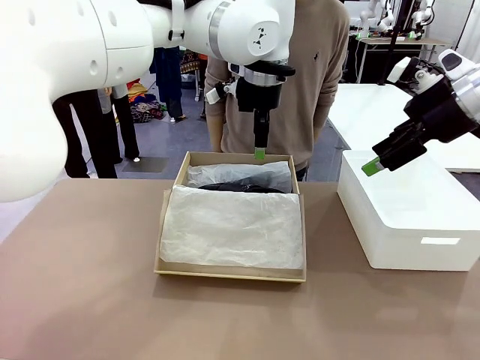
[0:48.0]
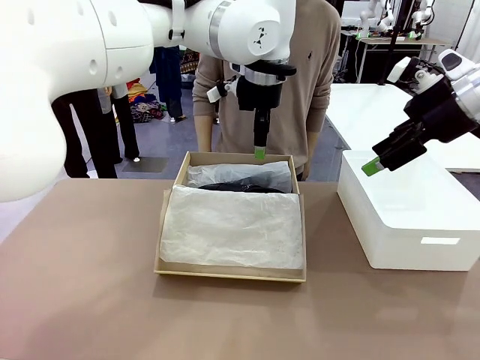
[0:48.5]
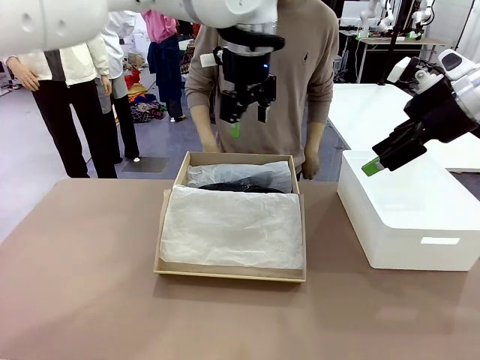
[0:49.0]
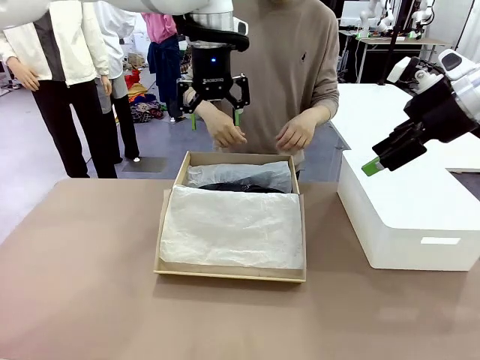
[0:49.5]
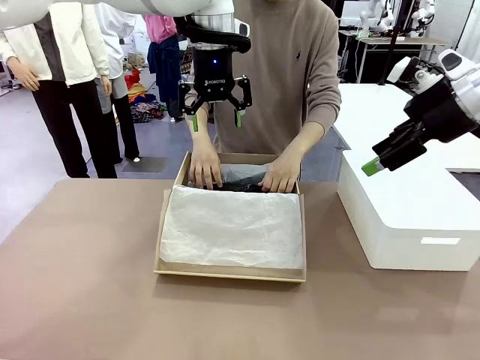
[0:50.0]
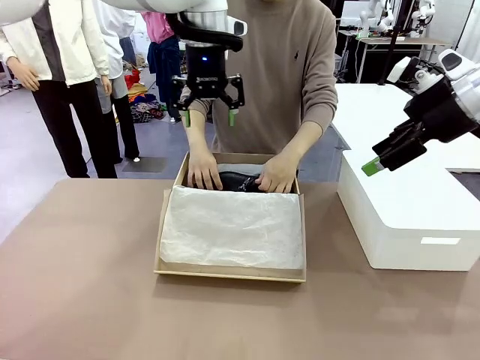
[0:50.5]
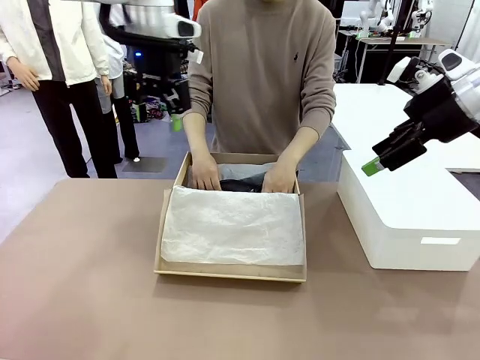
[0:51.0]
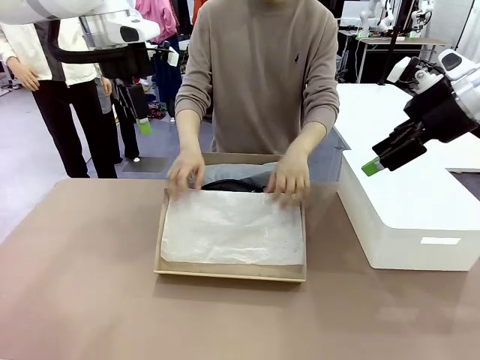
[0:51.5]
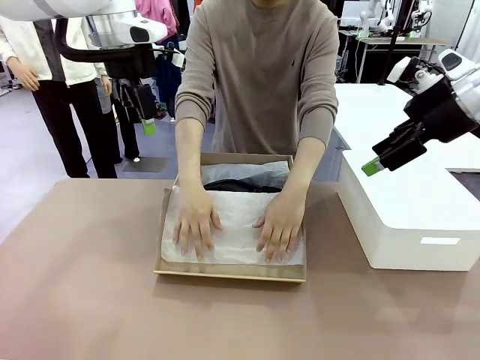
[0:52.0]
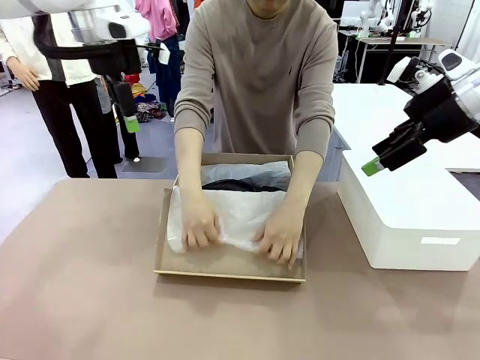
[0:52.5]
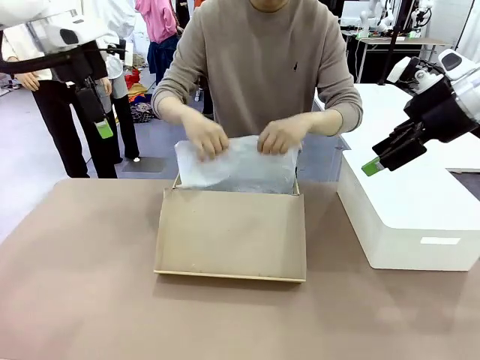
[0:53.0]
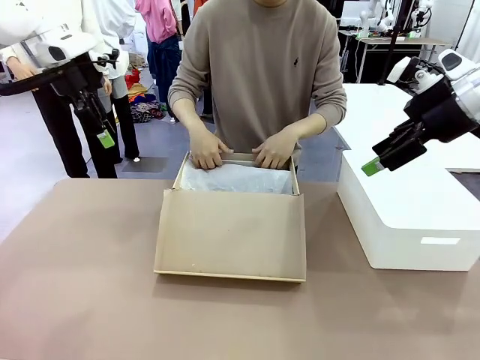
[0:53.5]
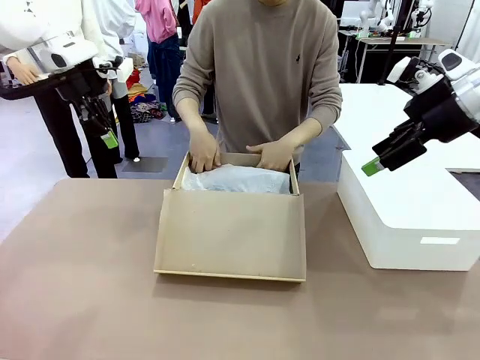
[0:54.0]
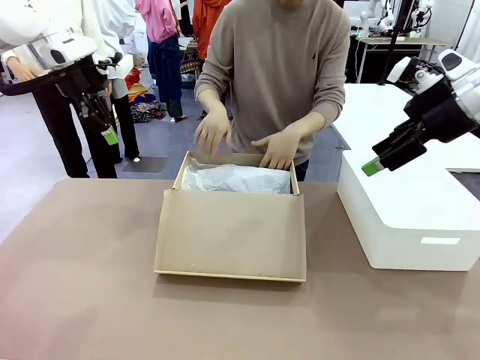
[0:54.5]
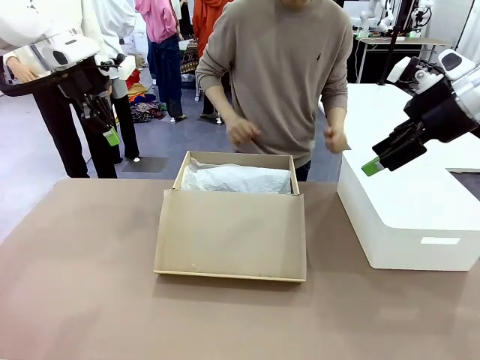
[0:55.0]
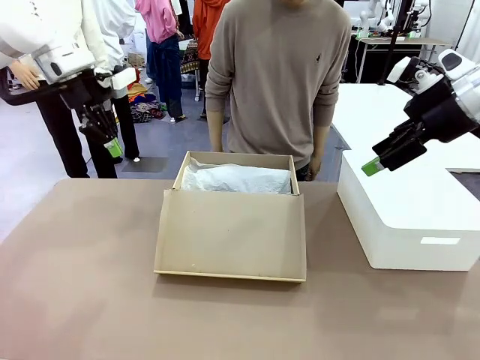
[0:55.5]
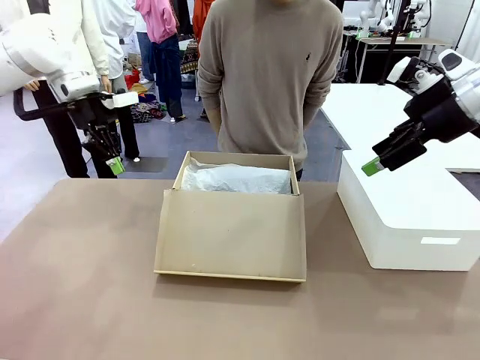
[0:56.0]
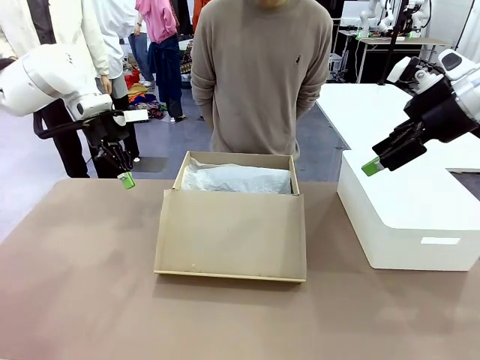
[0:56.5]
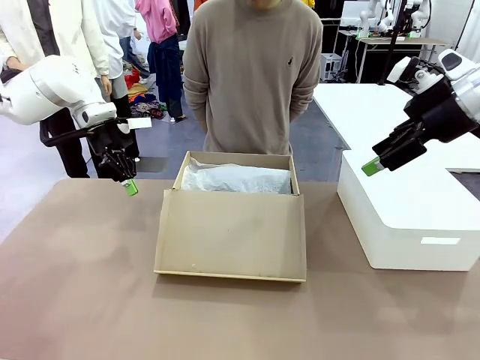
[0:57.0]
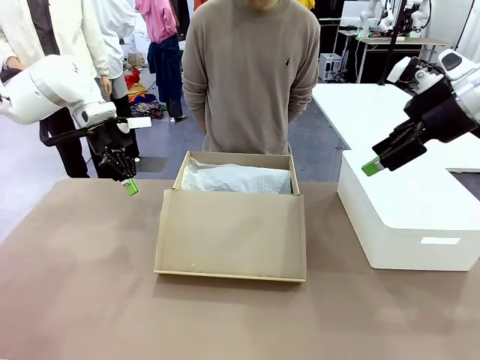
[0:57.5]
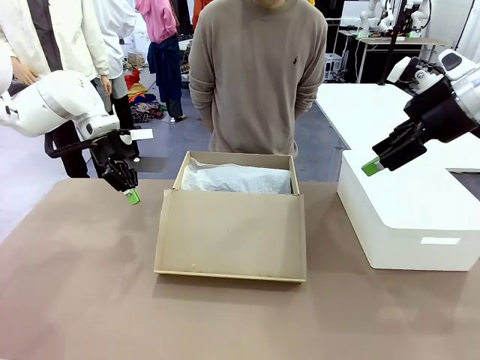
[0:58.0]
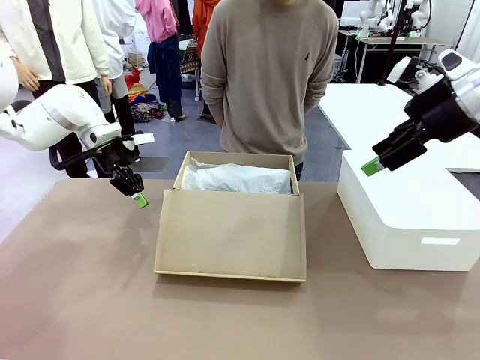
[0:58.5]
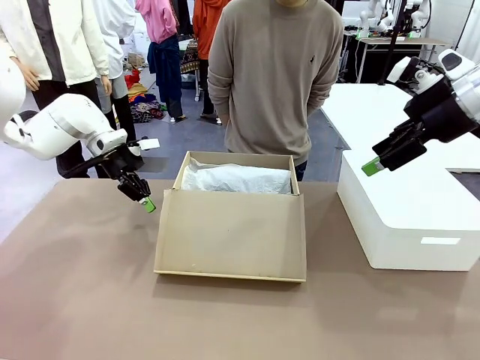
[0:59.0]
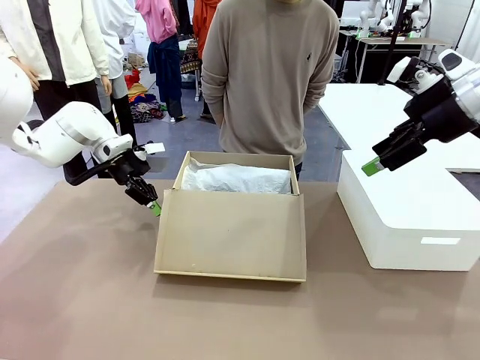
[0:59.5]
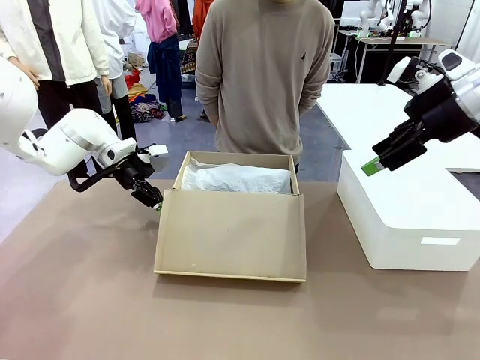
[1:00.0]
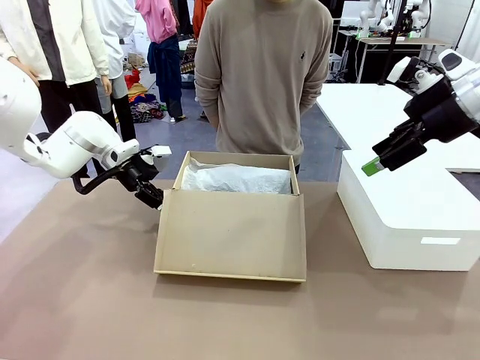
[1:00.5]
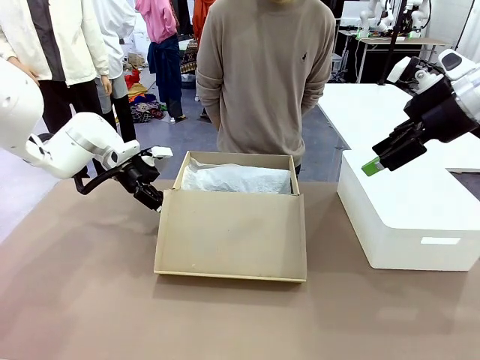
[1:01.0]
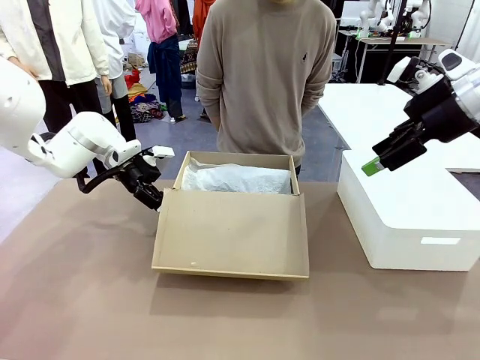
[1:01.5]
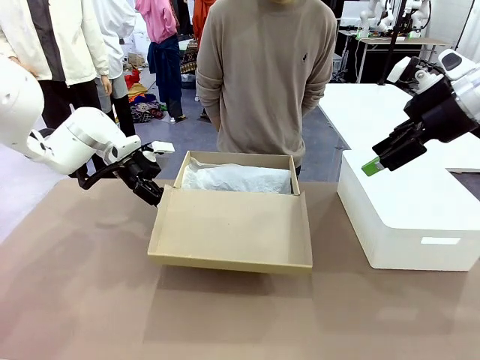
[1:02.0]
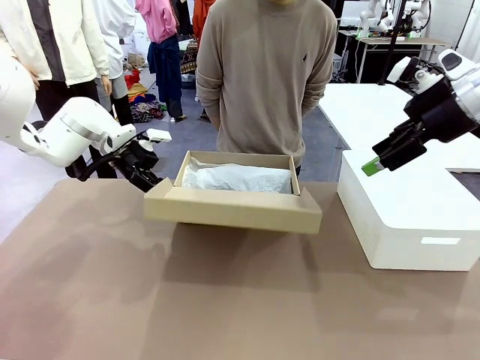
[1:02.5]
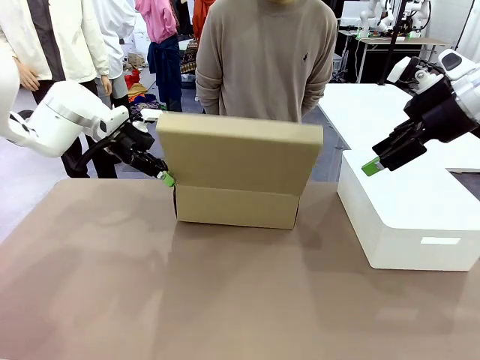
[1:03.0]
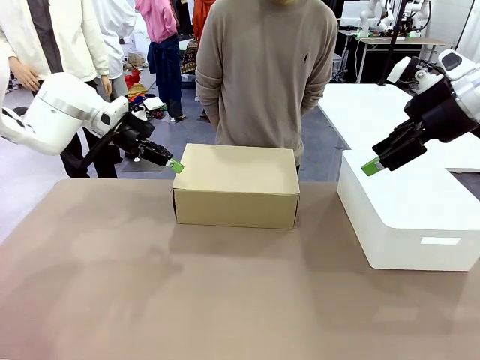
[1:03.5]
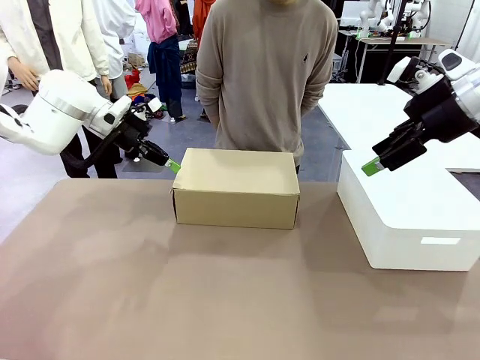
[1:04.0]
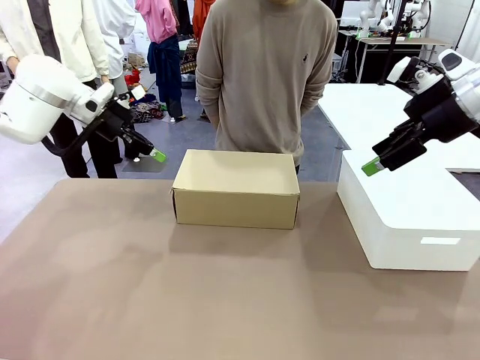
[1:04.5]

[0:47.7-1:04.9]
Task: Pack the shoes into the box.
Robot: Close the Shoes Box.

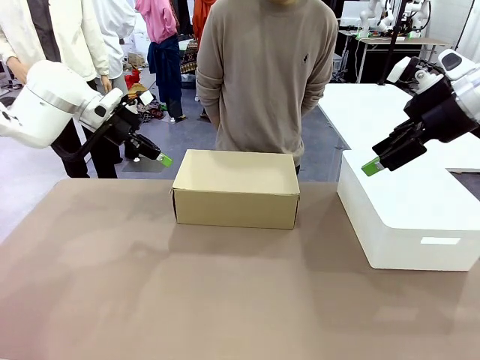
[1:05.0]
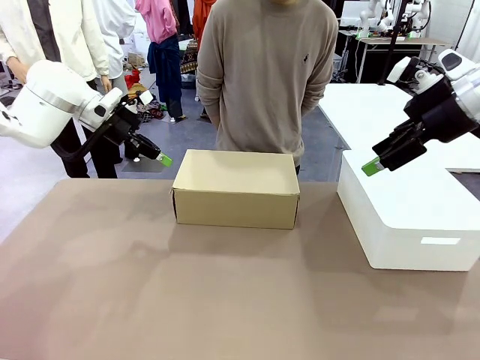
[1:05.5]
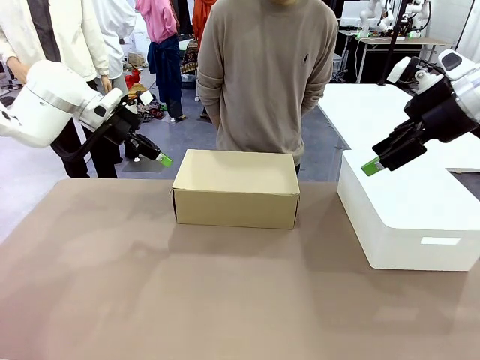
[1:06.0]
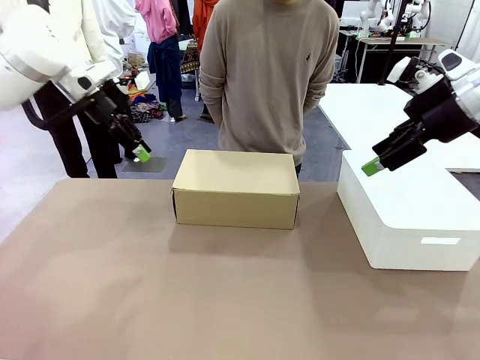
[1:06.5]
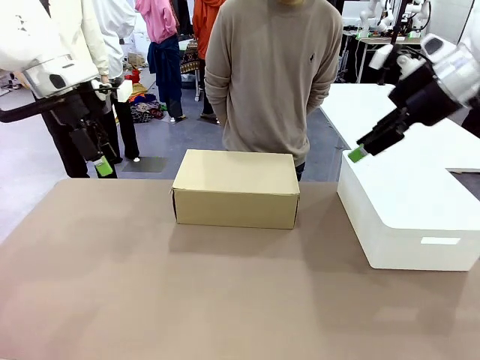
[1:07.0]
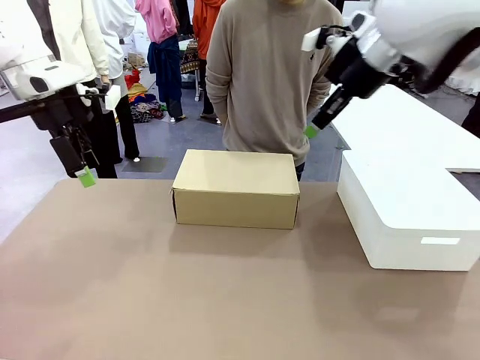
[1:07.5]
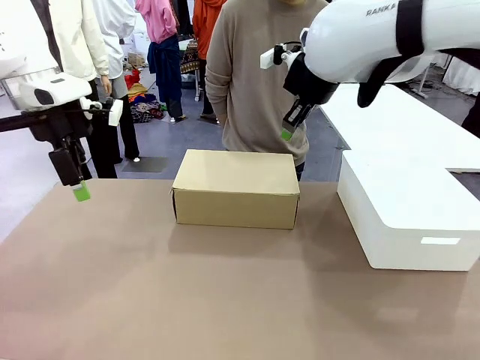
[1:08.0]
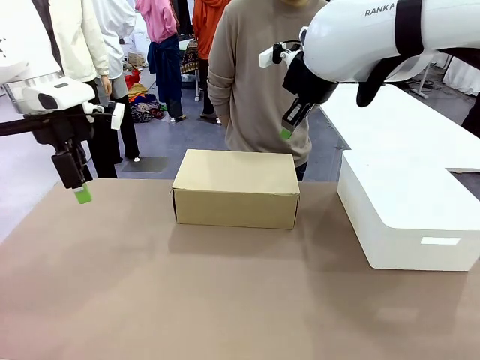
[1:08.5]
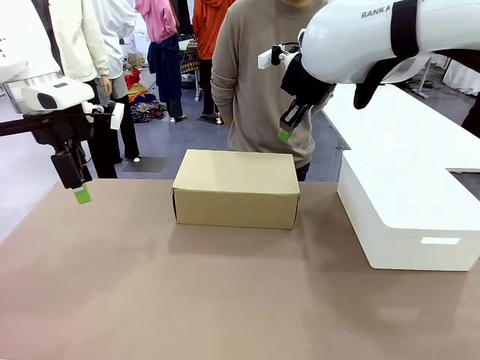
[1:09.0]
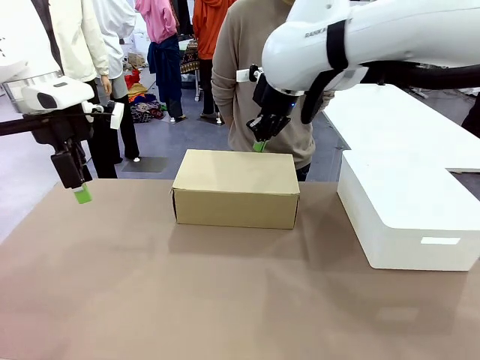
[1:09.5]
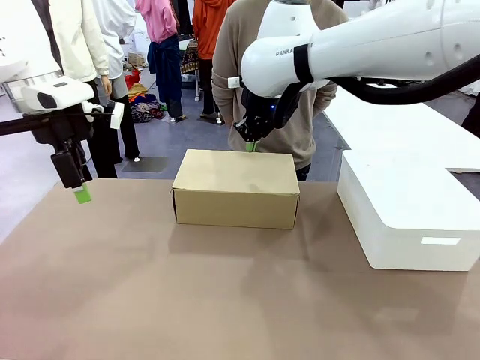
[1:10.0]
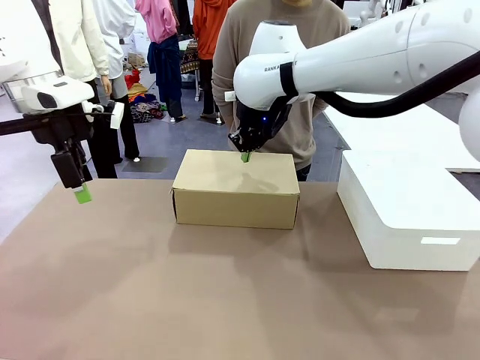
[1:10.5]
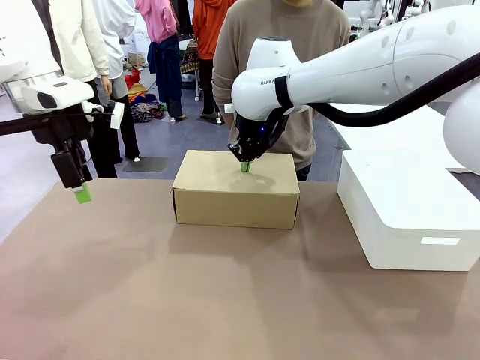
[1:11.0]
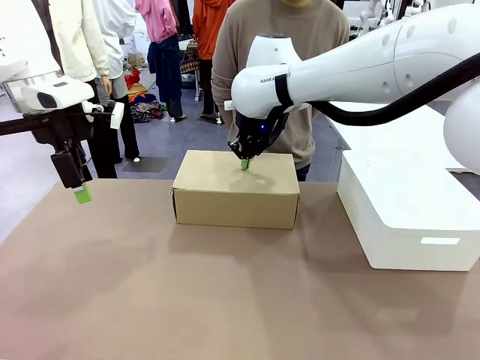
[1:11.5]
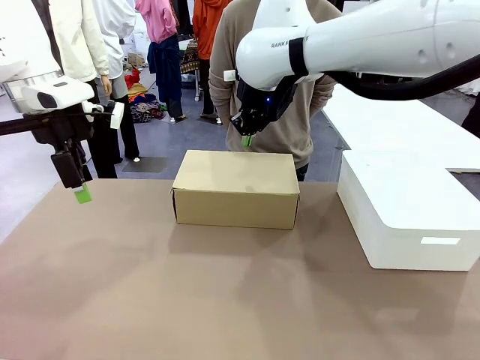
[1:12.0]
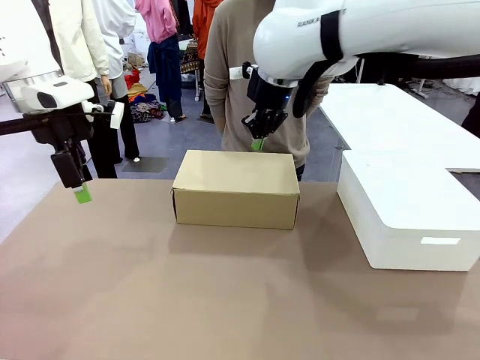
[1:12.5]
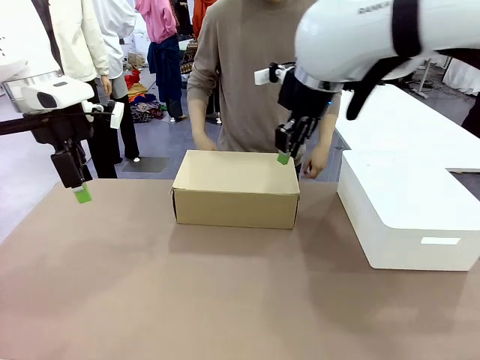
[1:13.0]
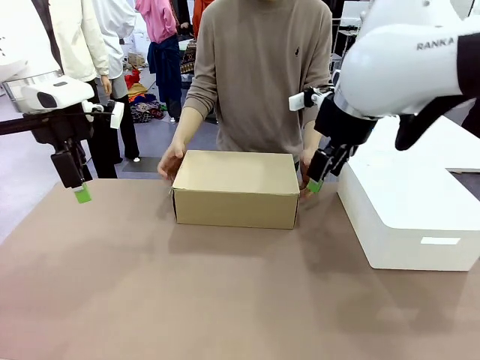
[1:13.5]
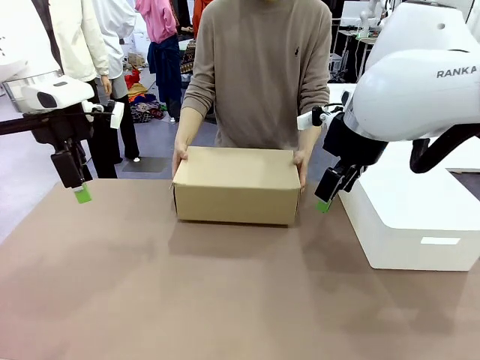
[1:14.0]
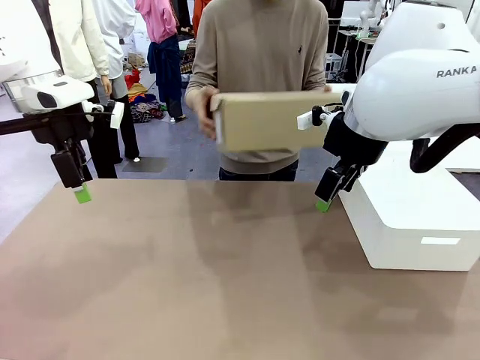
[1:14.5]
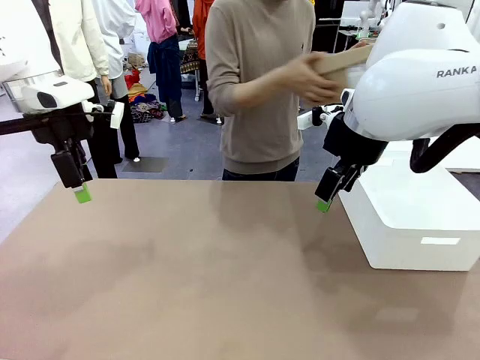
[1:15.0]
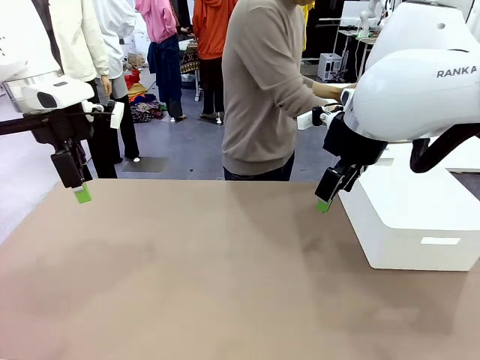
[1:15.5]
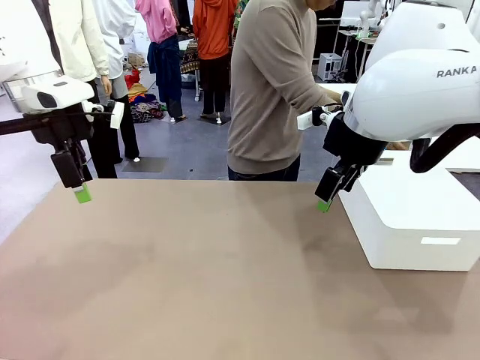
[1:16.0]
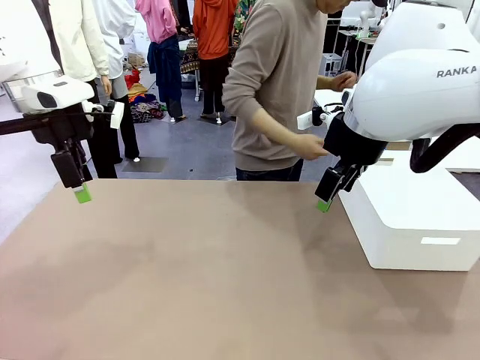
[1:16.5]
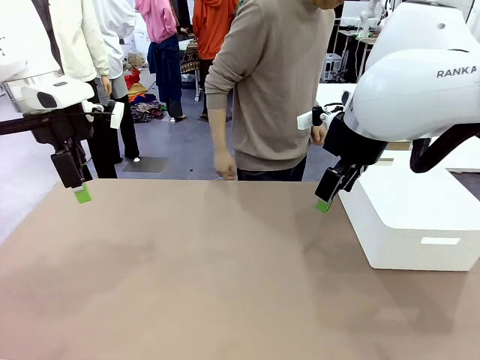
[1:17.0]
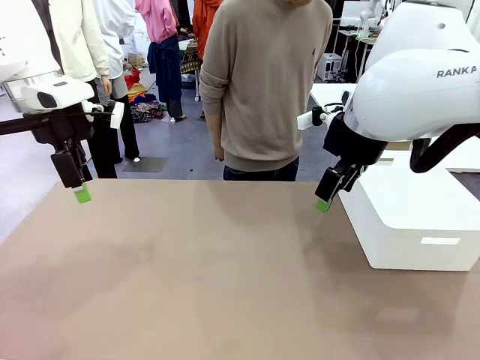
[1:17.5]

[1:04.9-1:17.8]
Robot: Press down on the lid of the Shoes Box.
Person: Place the closed Shoes Box to the right side of the human table.
